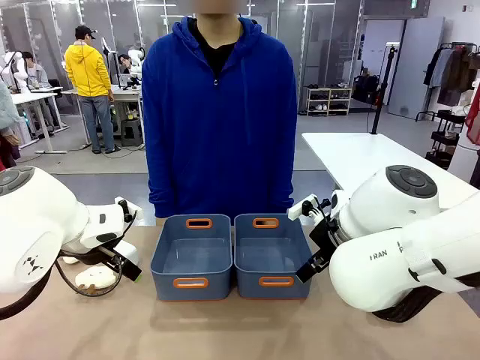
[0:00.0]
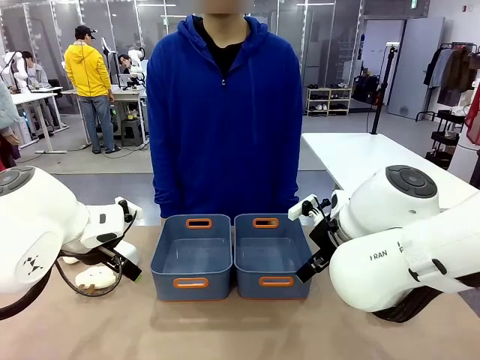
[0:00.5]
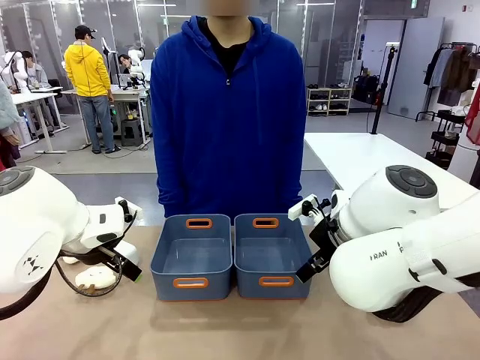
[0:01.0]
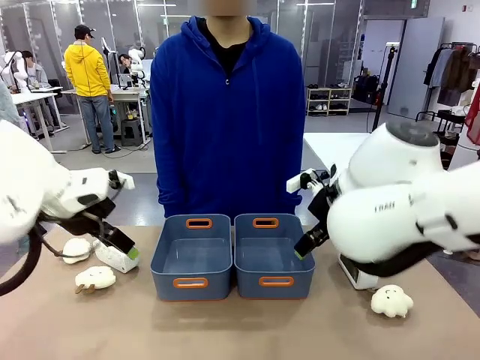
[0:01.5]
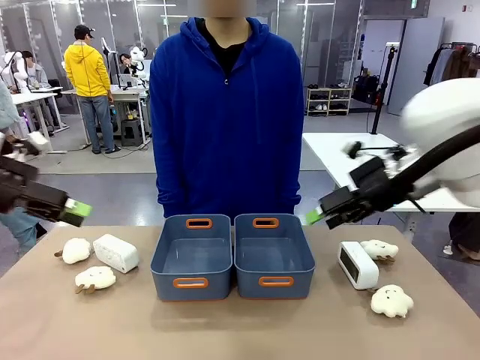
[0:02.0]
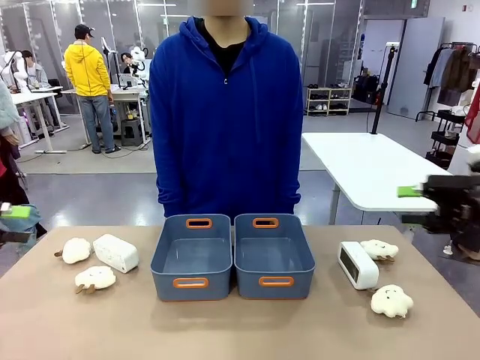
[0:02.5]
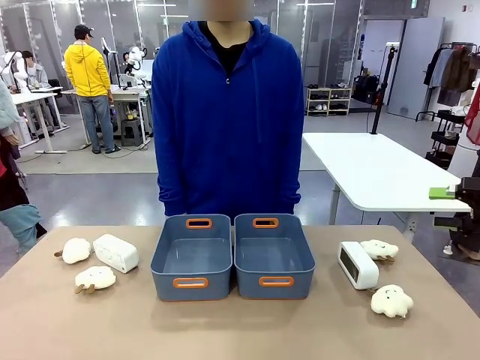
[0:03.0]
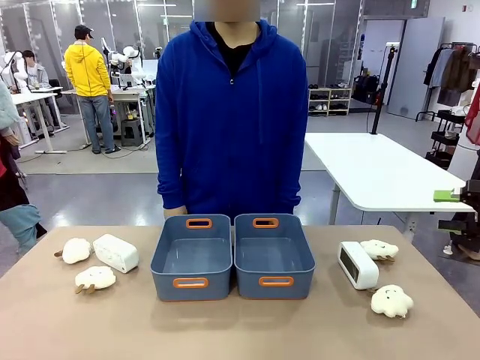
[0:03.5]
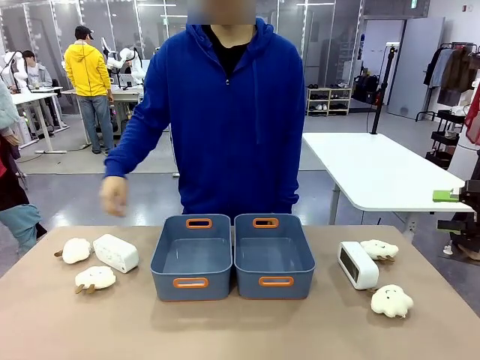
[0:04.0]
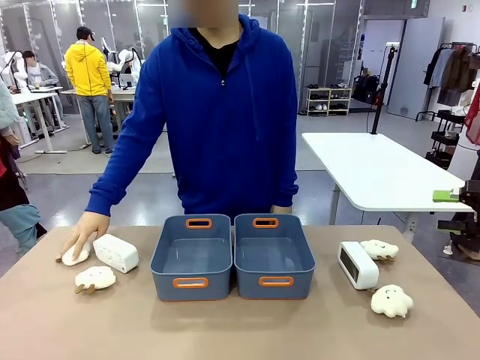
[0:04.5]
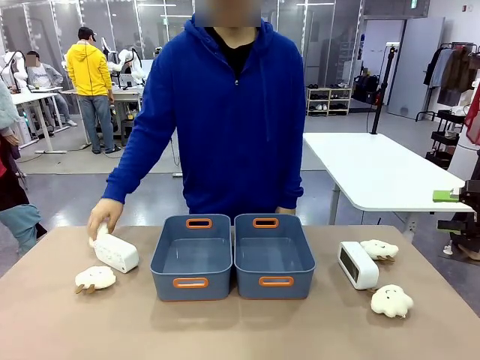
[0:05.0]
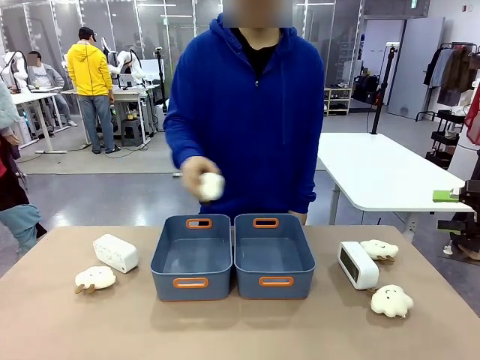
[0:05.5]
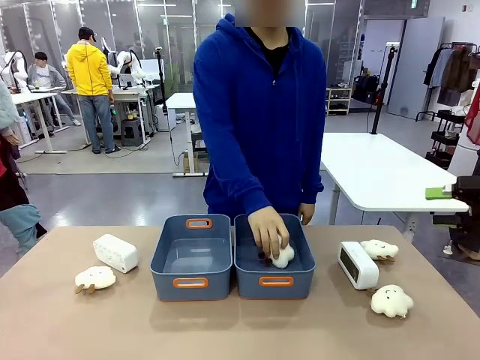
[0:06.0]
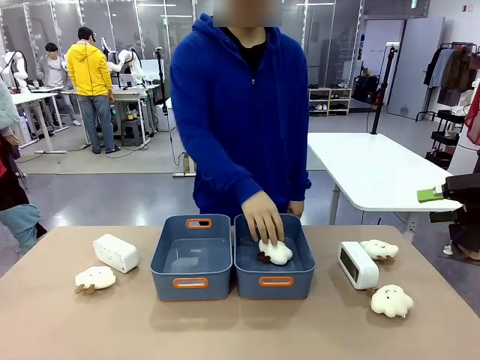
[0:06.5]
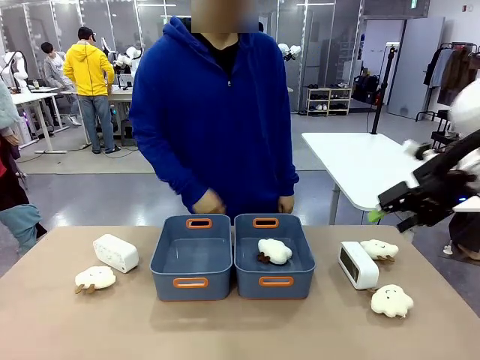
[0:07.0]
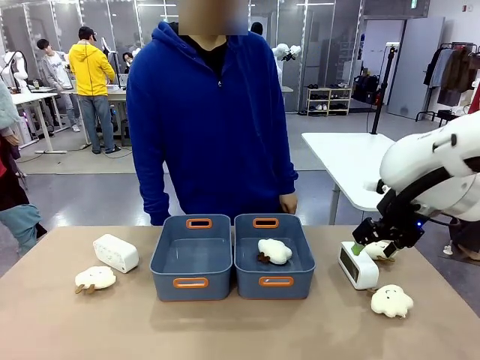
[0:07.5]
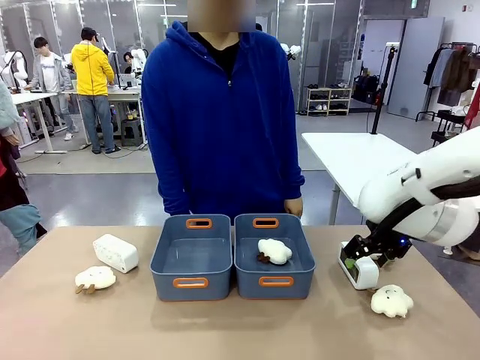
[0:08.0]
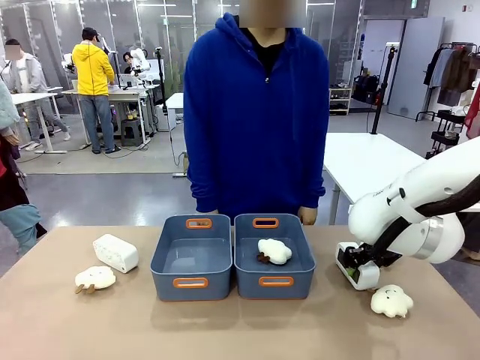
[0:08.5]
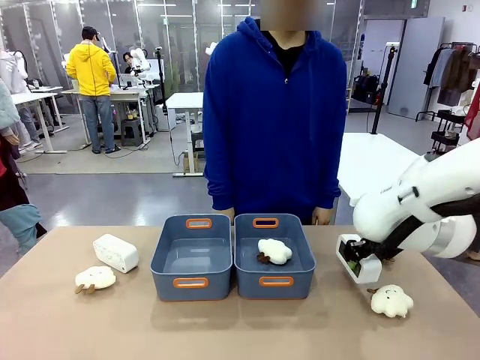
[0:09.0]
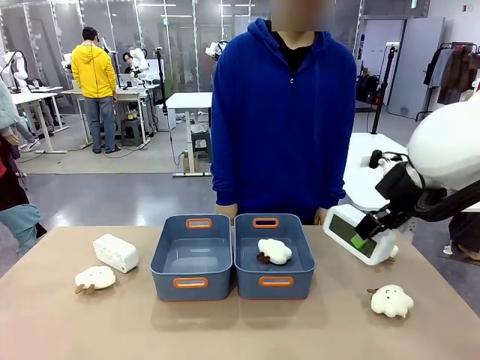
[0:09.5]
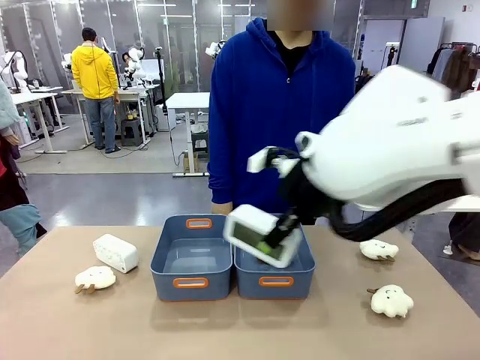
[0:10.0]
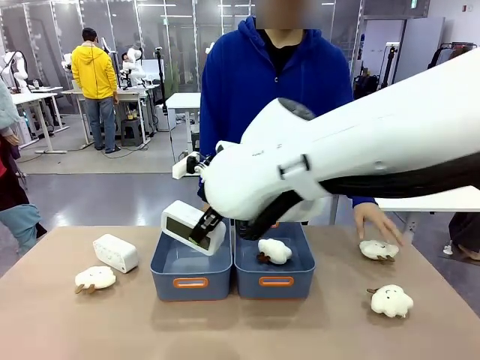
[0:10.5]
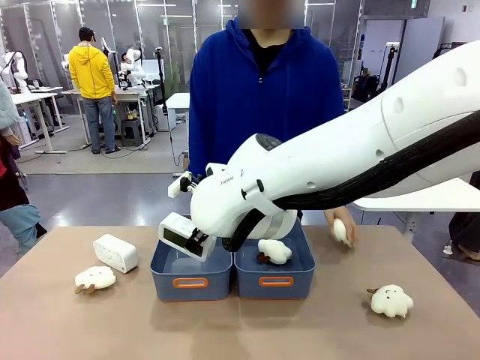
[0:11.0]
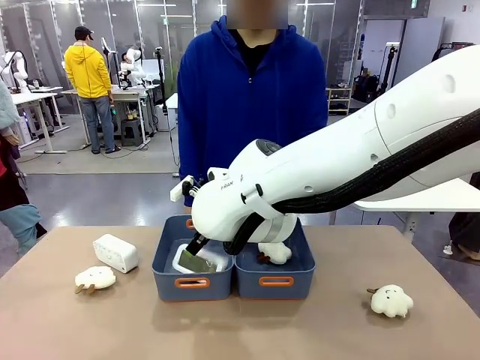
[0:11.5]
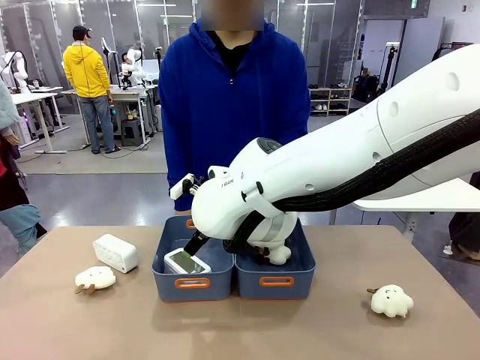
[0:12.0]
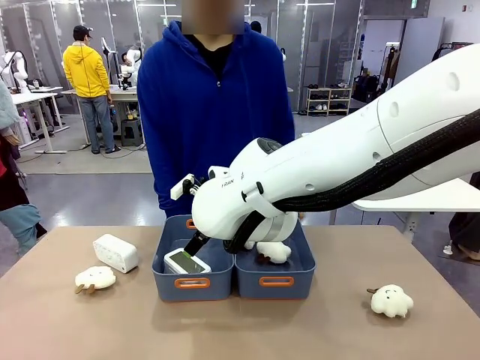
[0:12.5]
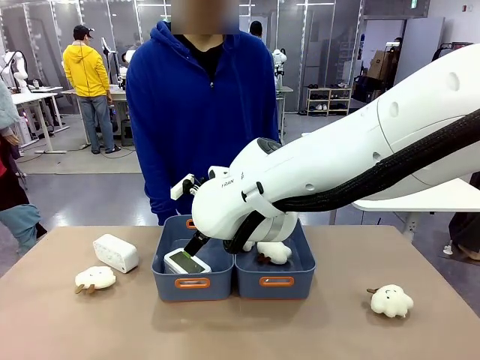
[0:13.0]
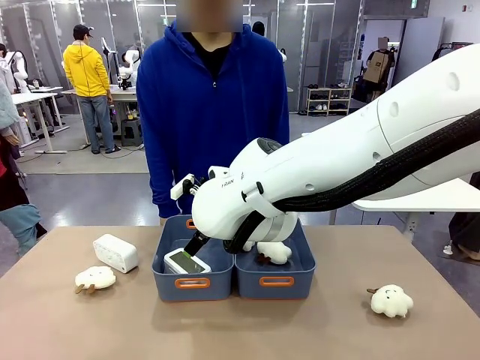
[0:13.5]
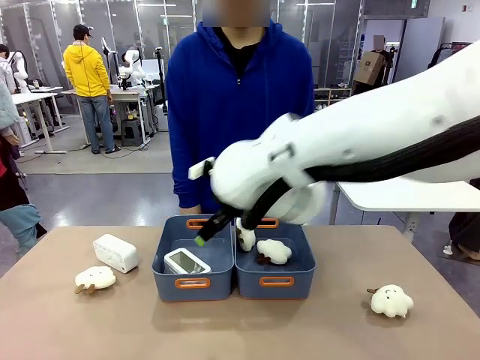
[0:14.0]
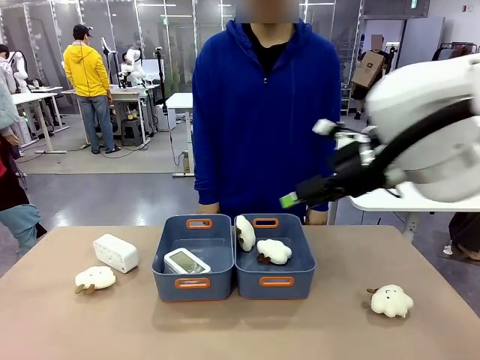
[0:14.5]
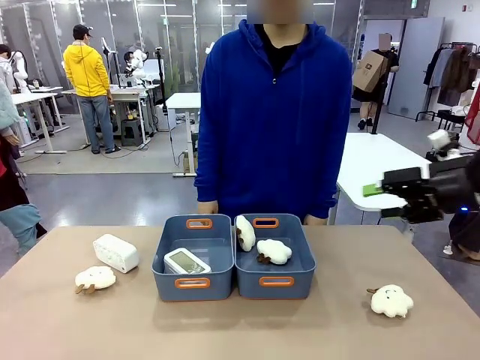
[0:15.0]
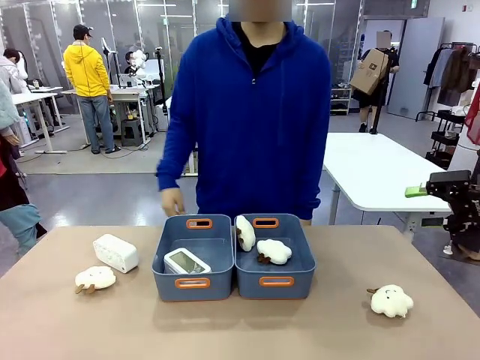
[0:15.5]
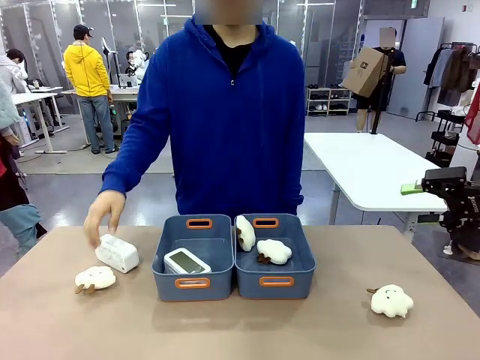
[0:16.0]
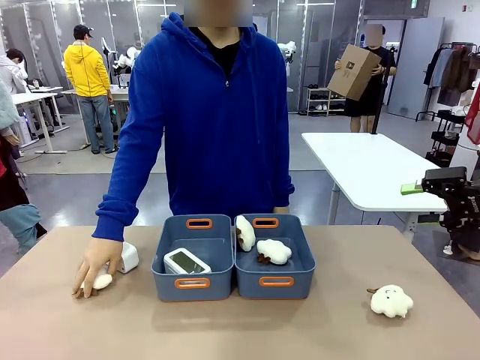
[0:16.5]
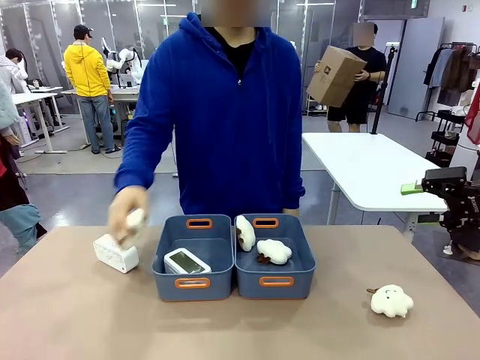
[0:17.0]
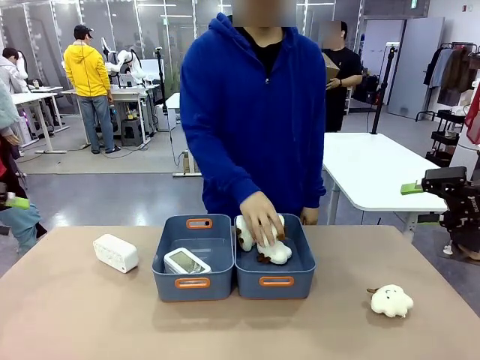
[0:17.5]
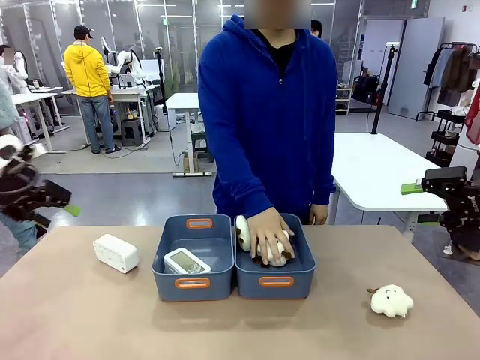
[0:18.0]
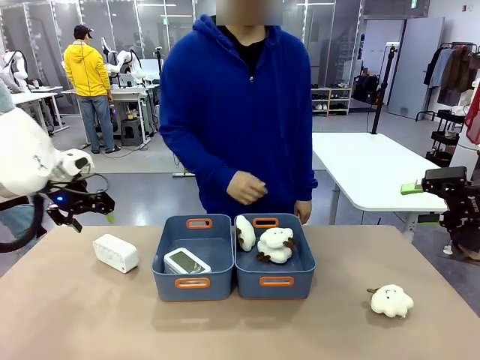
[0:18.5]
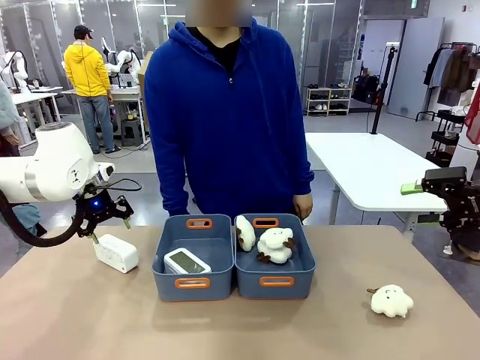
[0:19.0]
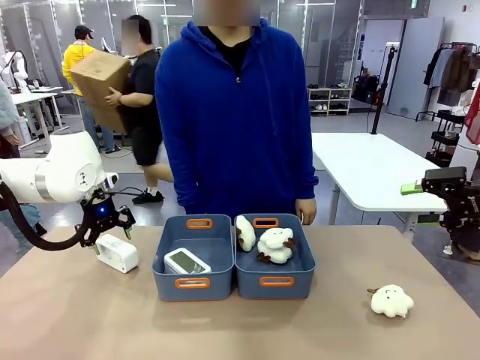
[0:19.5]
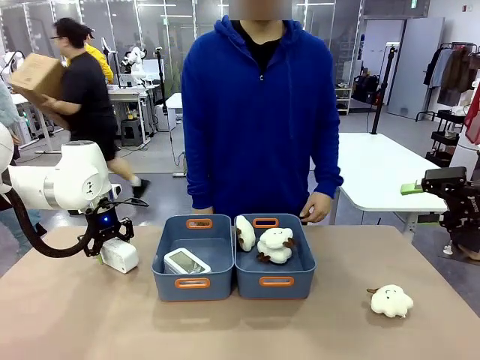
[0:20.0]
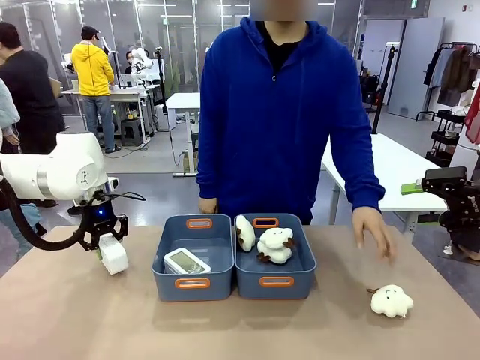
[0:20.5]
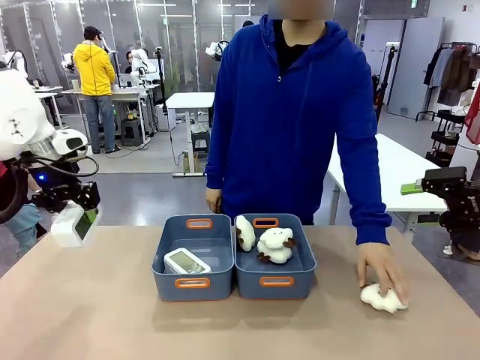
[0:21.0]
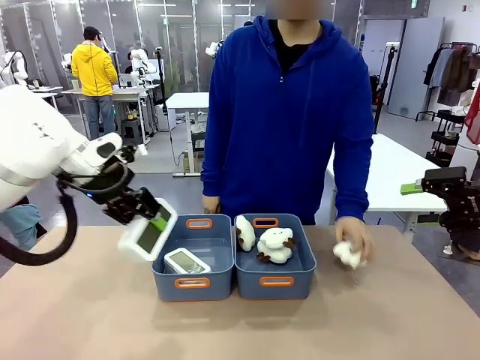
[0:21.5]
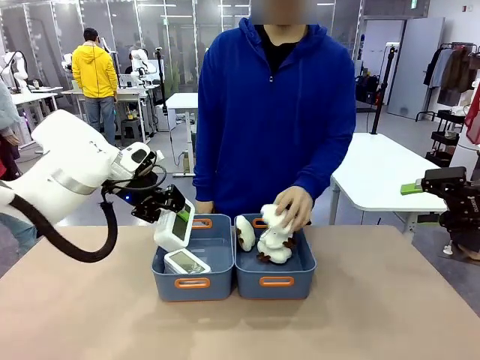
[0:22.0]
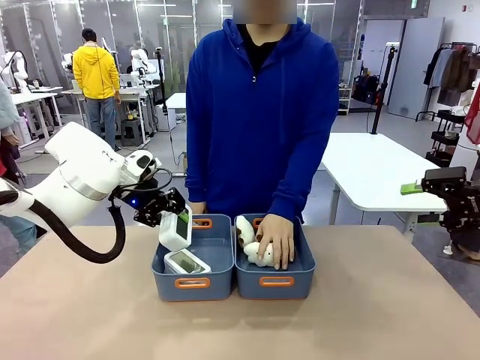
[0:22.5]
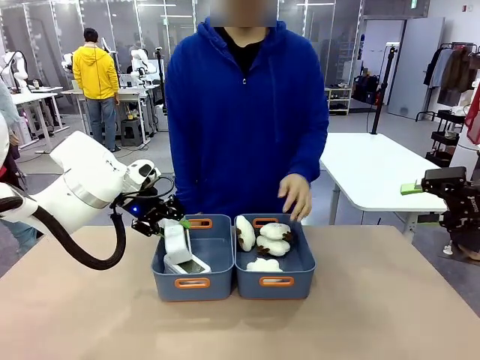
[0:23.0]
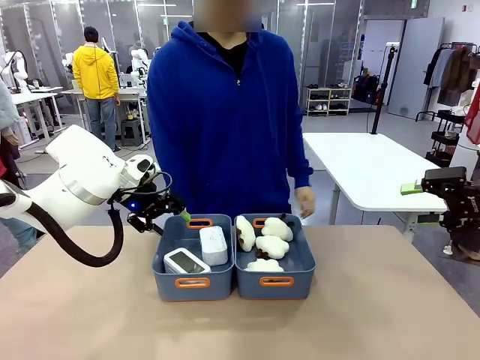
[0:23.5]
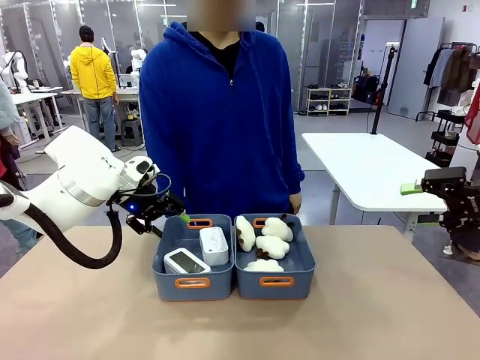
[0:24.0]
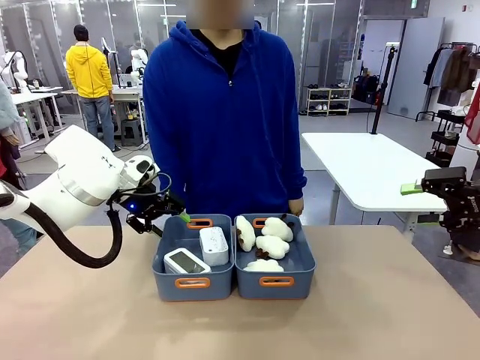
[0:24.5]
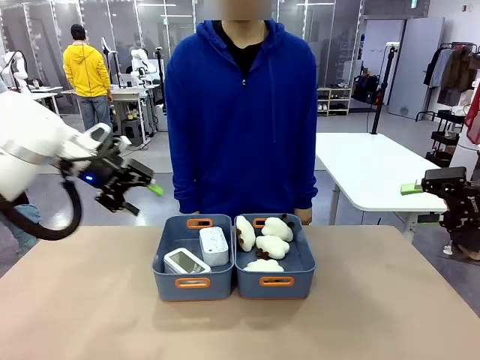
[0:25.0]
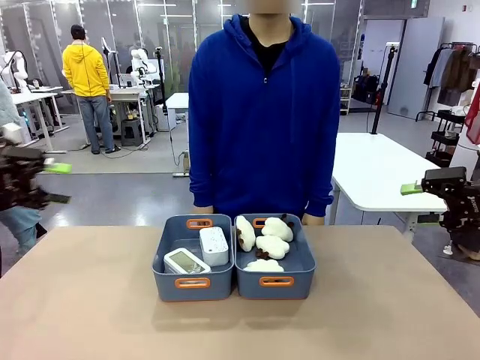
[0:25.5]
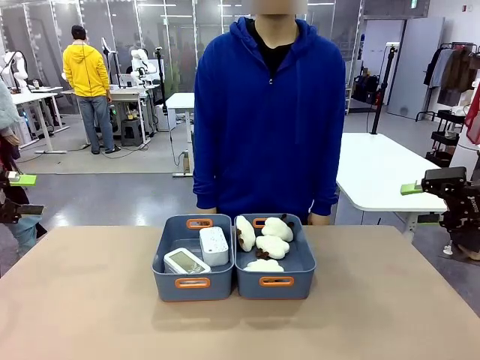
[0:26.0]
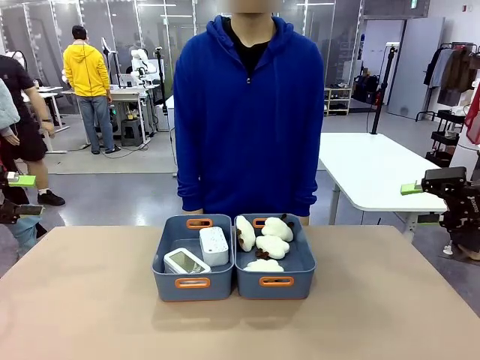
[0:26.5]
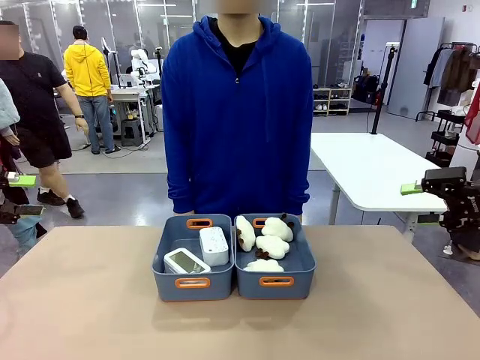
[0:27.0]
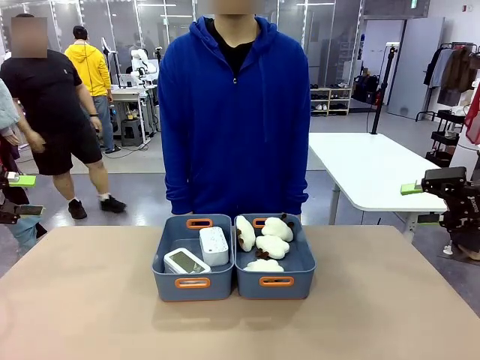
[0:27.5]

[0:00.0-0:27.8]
Task: Sort the digital clocks into the basket.
Robot: Pick up the Digital clock from the table and place it into the empty Plastic storage basket.
Person: Pick up a plush toy from the table and place it in a plastic storage basket. Pick up a plush toy from the table and place it in the plastic storage basket containing the plush toy.
